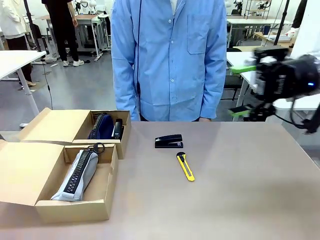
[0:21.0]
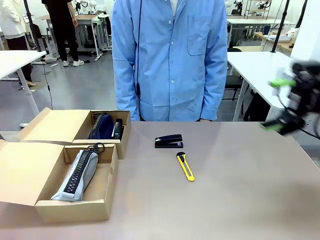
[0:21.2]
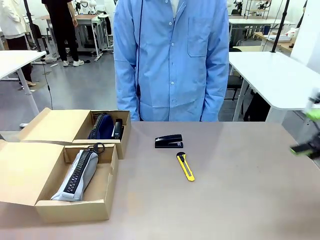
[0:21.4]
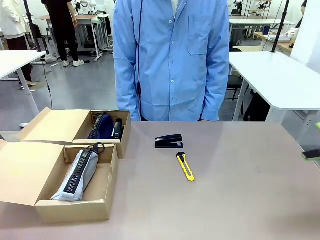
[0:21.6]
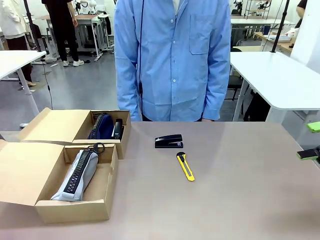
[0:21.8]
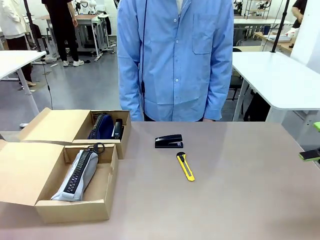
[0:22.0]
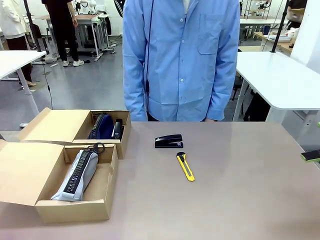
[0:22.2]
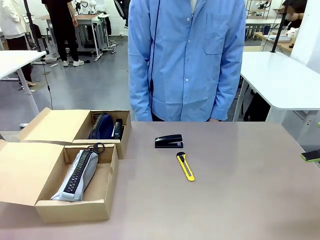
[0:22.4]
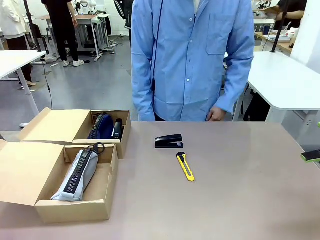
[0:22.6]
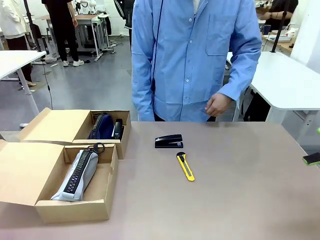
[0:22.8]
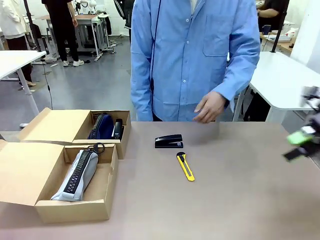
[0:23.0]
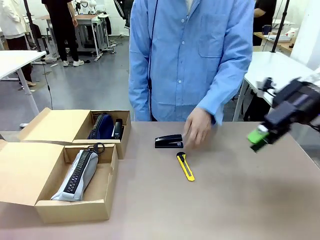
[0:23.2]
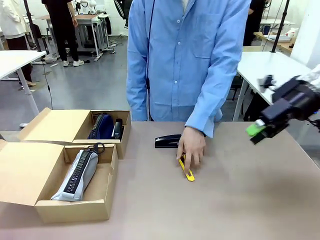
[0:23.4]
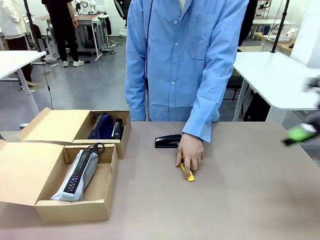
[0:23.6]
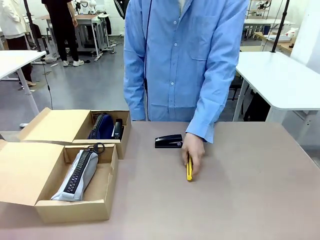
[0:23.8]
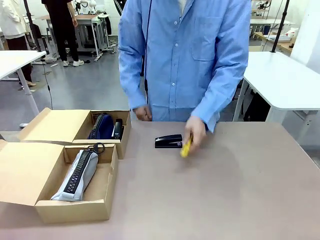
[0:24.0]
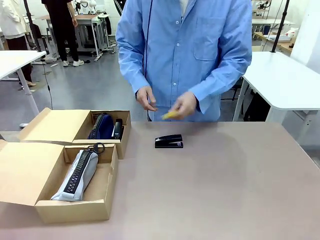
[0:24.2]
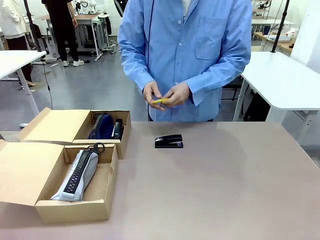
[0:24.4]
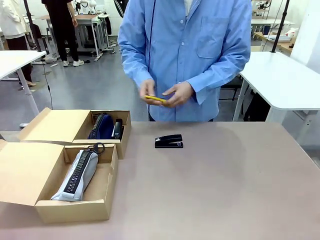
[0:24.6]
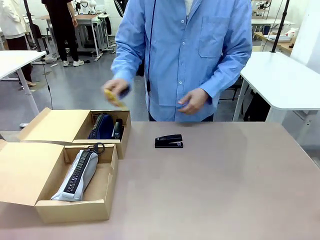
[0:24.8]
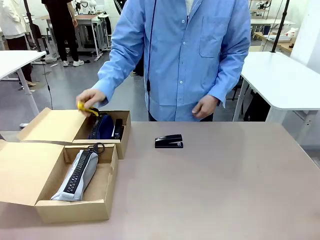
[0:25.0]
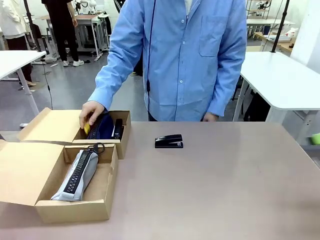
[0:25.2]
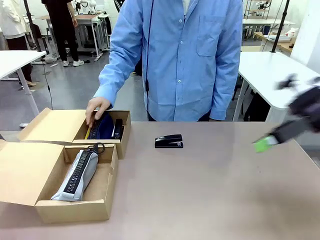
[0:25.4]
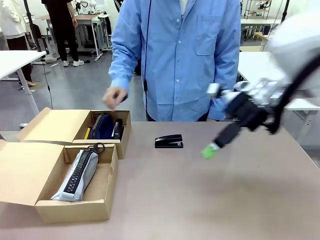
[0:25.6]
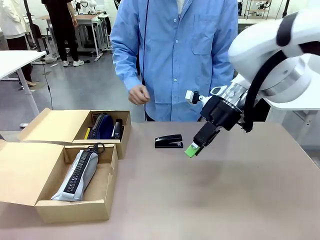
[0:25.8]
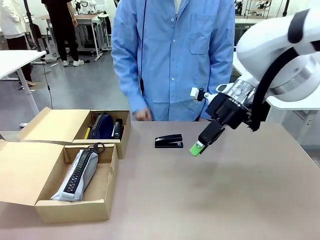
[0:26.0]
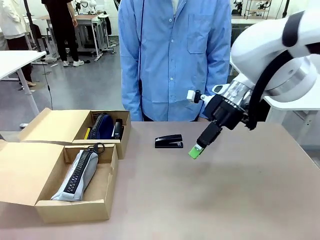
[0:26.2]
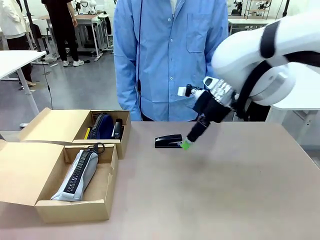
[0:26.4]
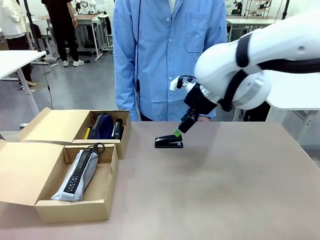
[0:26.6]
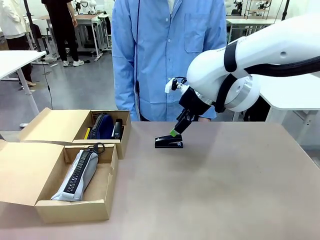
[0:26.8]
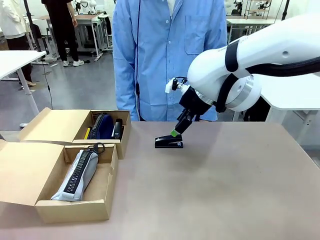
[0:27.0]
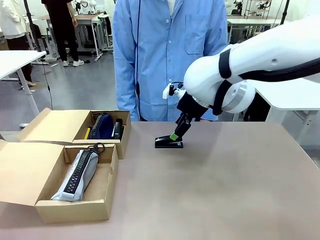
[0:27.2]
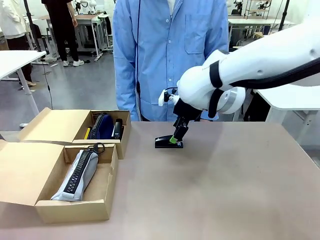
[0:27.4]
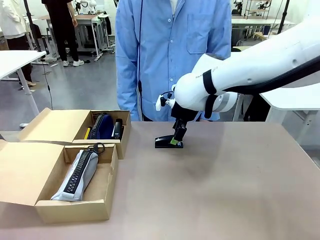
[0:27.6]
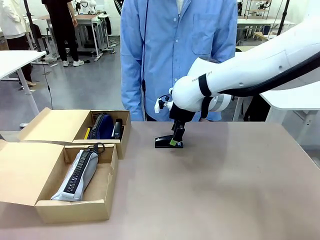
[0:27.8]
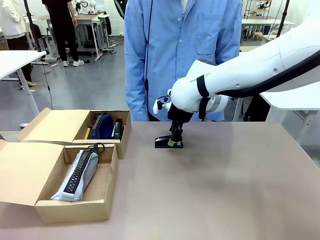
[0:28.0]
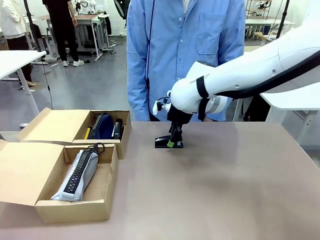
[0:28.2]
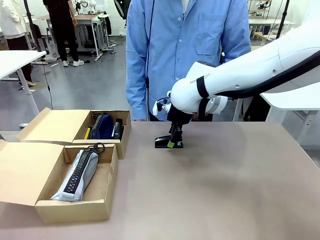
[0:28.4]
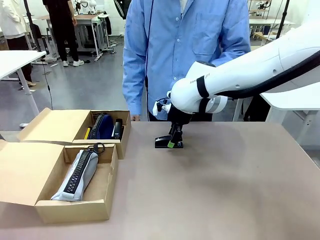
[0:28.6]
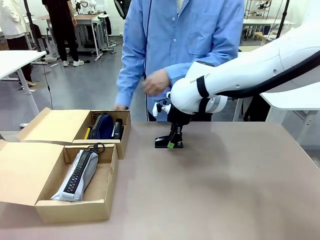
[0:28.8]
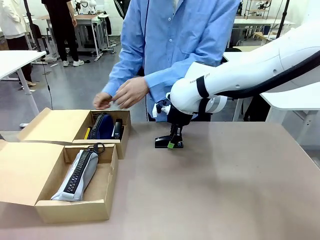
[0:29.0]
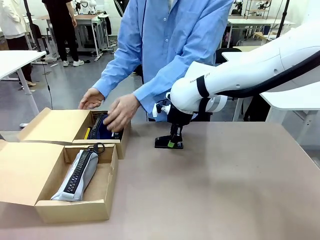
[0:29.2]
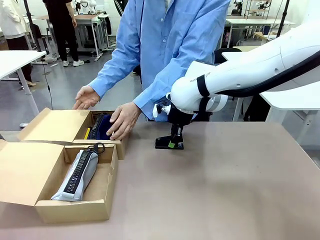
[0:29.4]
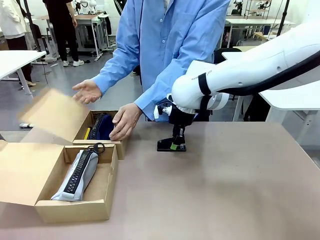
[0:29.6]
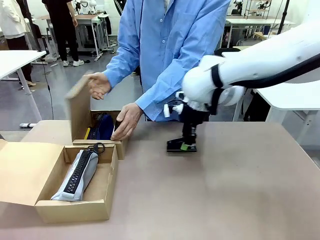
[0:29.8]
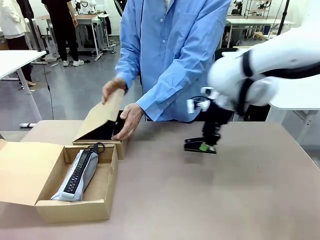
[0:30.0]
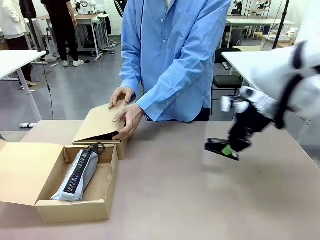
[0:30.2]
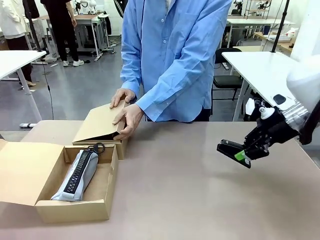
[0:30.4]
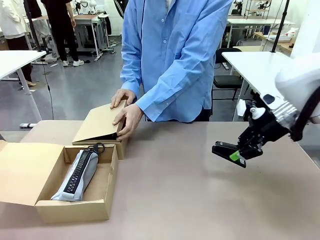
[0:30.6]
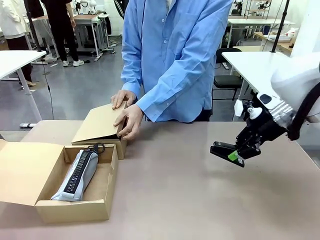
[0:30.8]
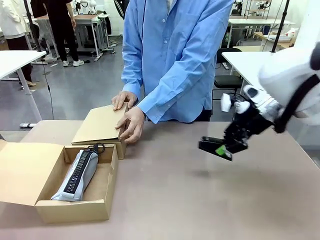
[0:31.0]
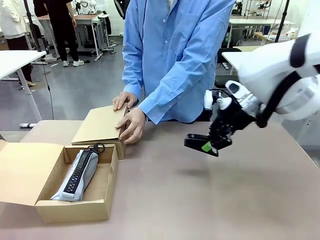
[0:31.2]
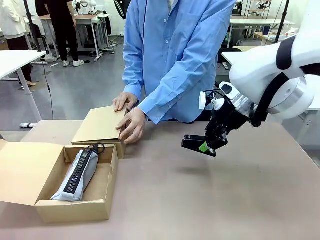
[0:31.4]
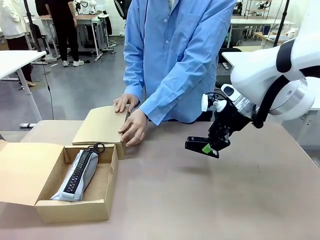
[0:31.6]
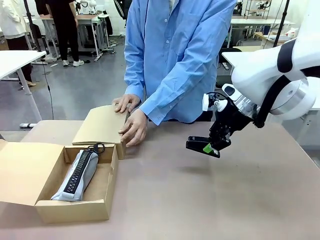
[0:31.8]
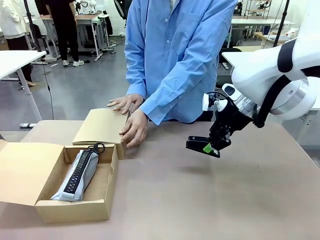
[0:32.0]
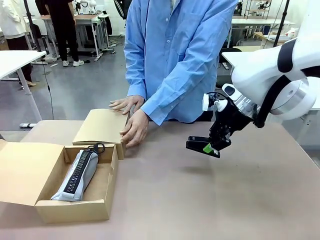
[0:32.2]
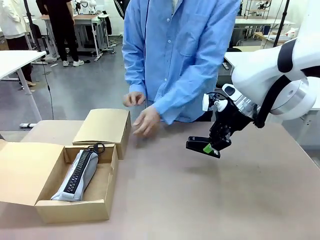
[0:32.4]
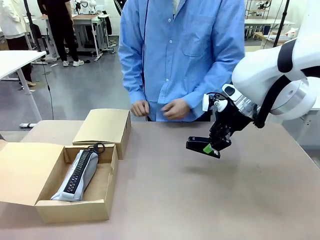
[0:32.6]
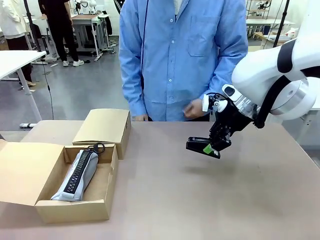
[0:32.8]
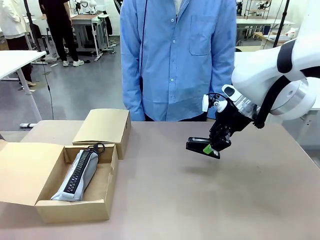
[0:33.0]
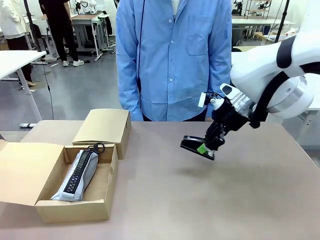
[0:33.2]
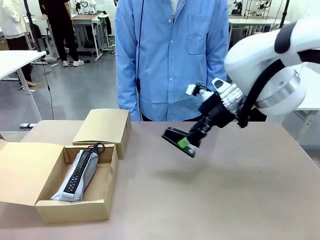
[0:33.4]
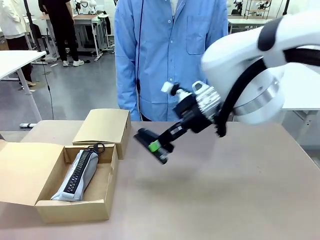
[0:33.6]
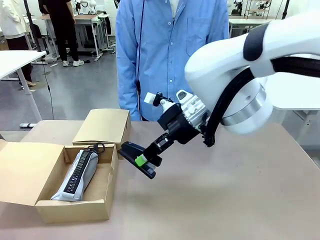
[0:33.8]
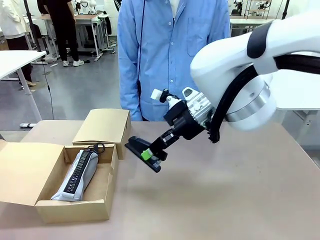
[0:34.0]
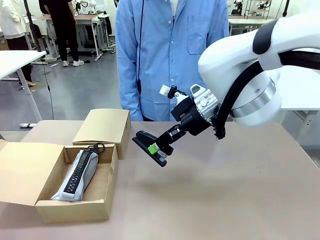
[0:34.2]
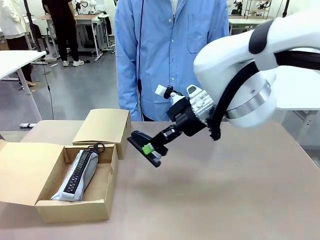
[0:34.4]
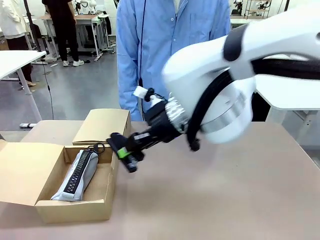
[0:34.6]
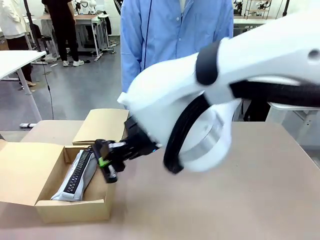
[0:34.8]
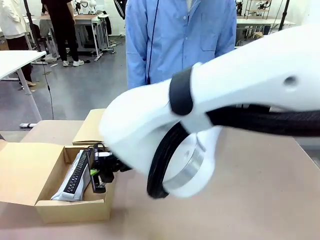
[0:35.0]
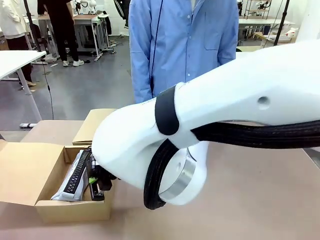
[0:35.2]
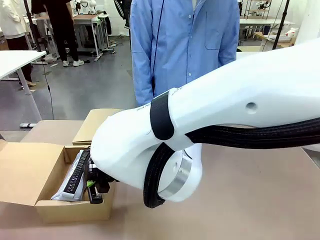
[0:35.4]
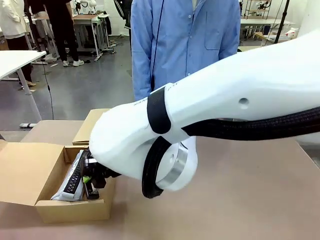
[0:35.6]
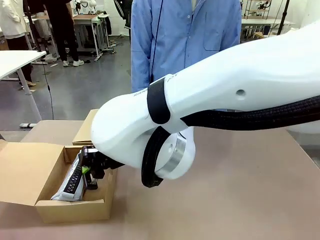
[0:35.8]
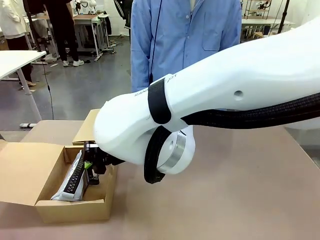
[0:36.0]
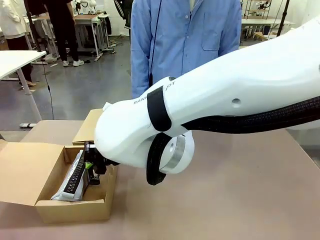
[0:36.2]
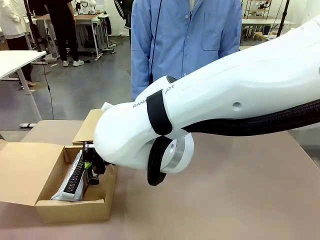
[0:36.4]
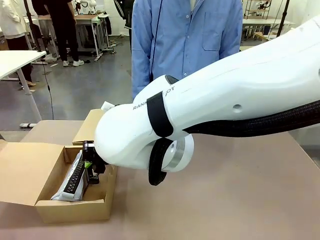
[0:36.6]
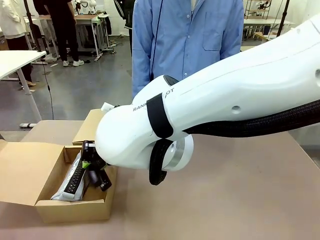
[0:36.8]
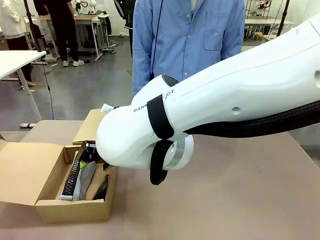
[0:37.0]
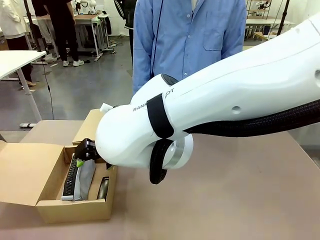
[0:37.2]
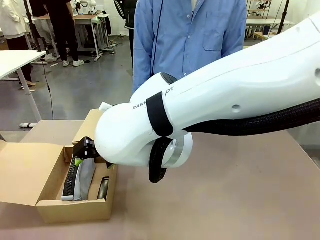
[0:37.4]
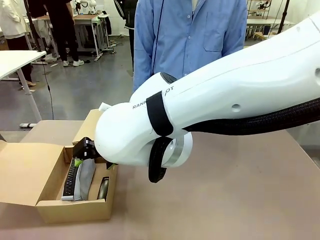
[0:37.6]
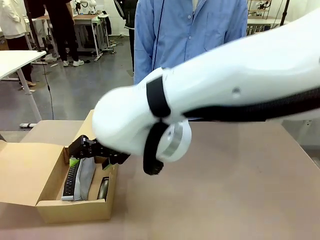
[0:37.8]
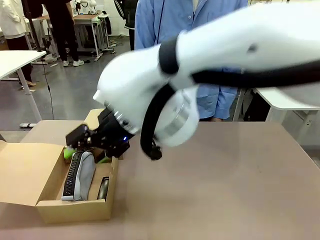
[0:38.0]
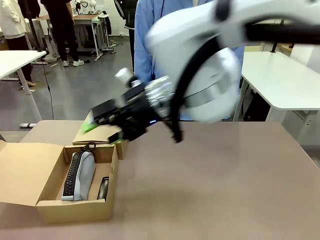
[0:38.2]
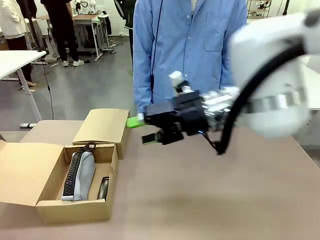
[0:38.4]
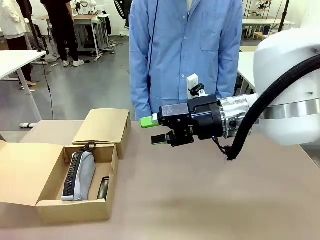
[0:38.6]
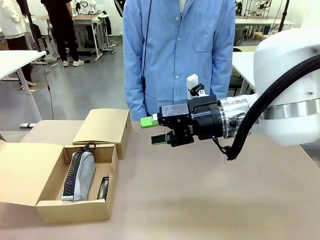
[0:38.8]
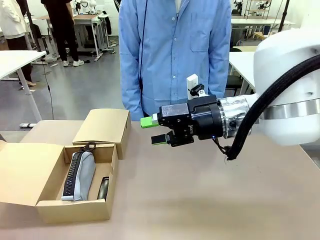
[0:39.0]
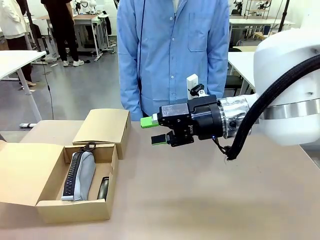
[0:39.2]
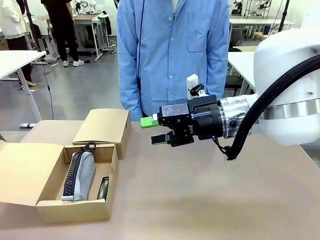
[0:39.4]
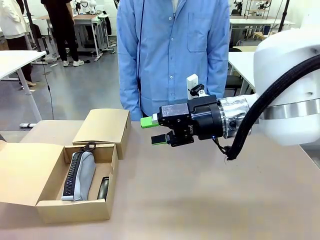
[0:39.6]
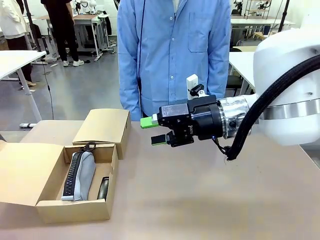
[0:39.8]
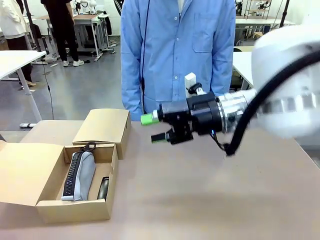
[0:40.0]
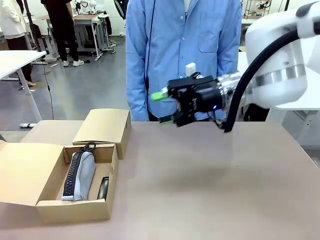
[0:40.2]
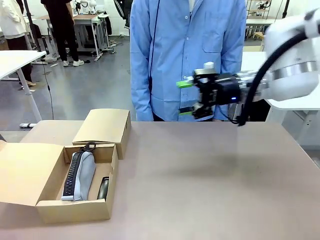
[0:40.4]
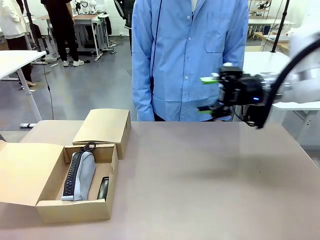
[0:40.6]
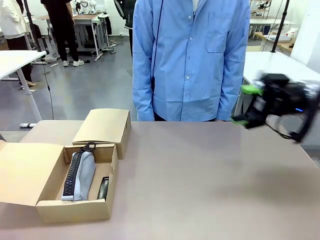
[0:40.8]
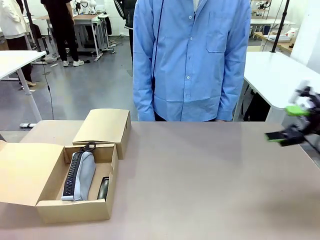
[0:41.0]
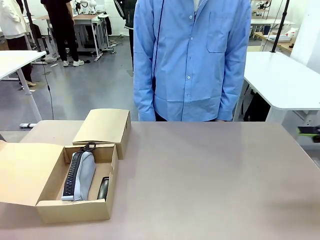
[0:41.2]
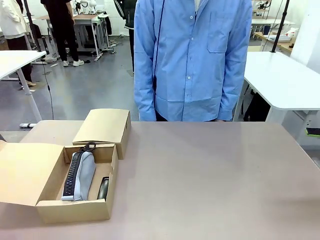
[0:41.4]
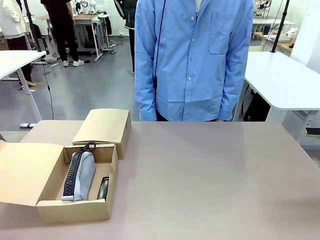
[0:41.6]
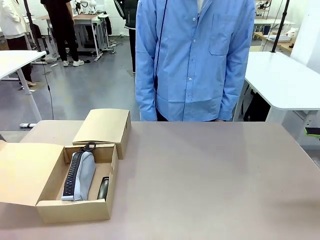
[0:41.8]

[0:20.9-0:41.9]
Task: Place items inside the box.
Robot: Pick up a Pencil pouch or Stapler and place it inside the Mailer Box closest to the robot.
Person: Close the lid of the box facing the person.
